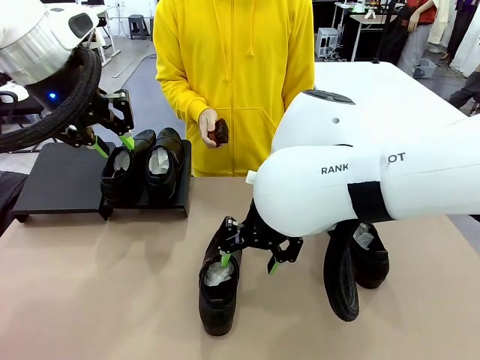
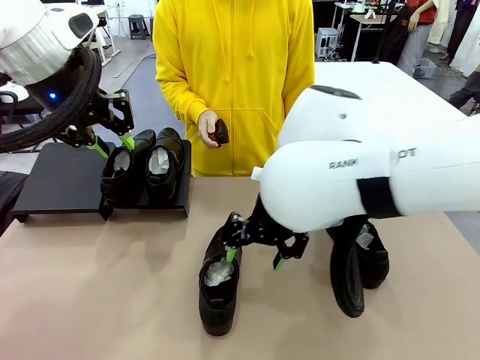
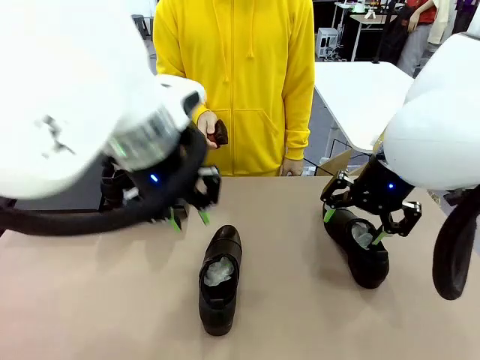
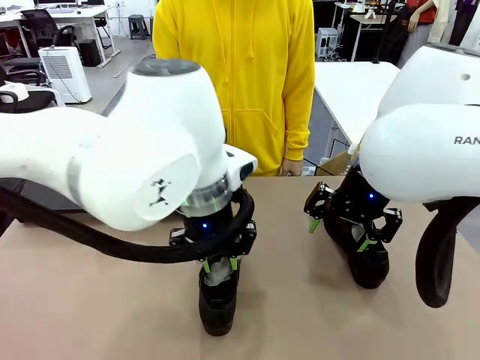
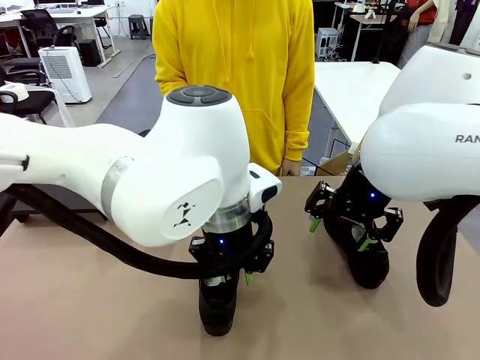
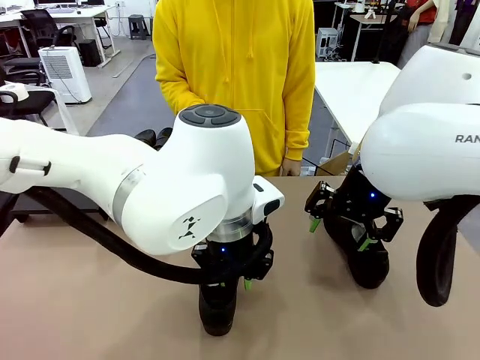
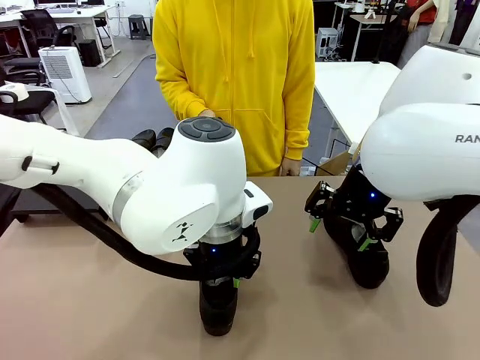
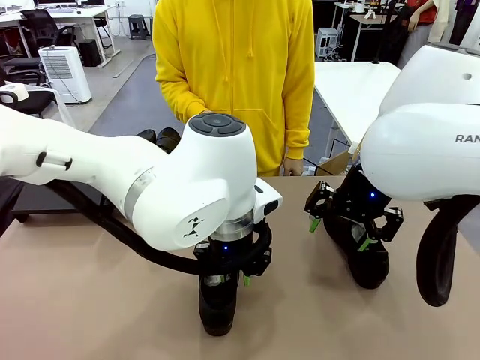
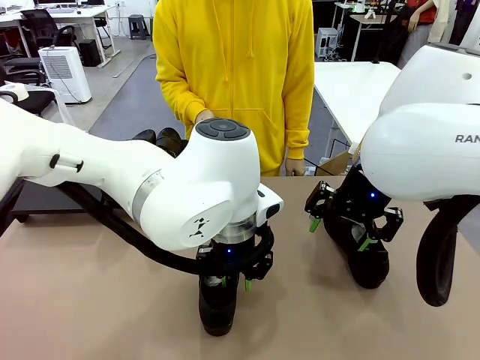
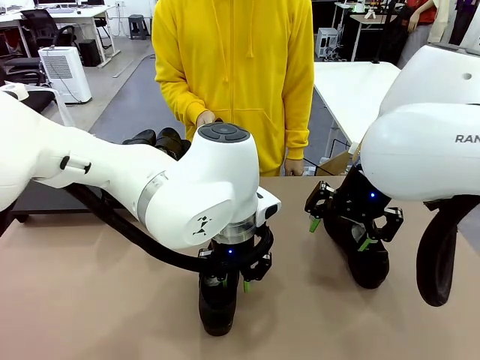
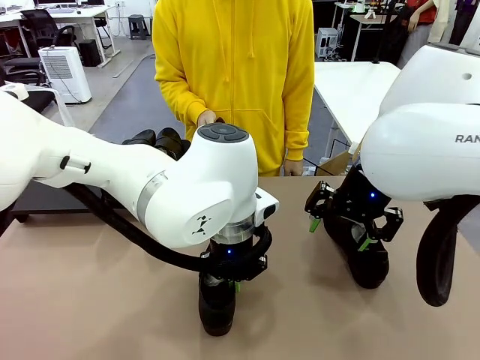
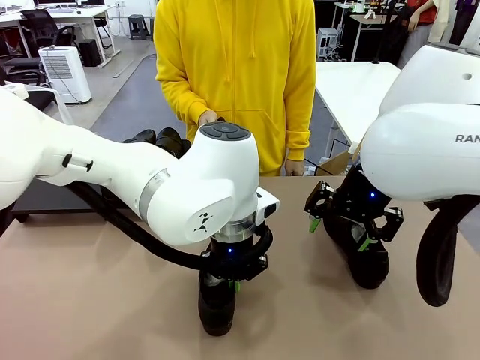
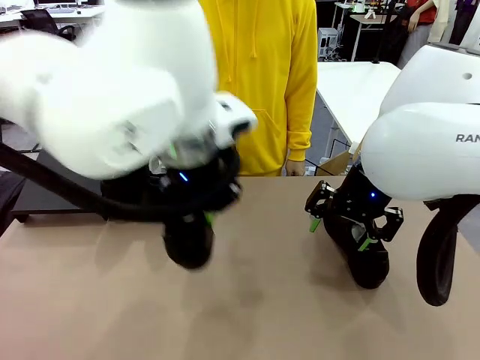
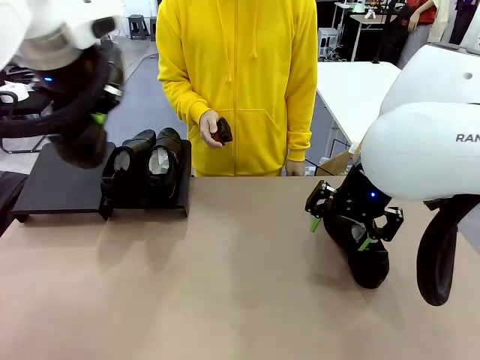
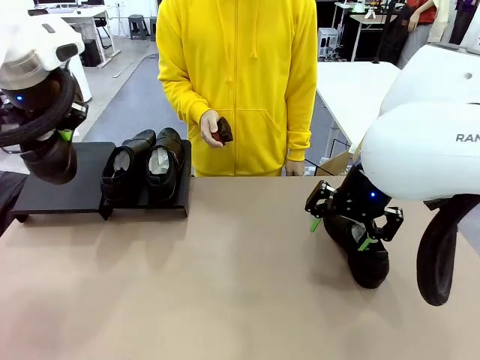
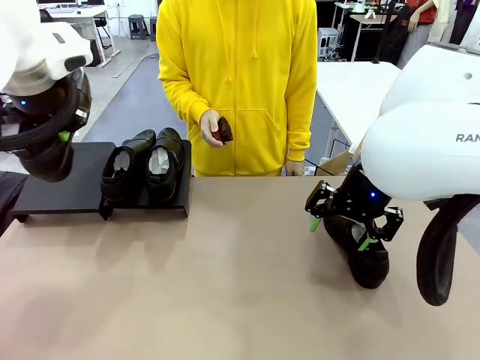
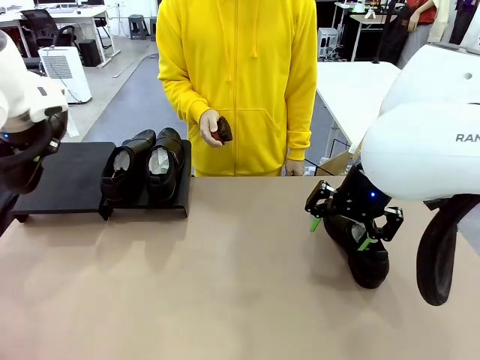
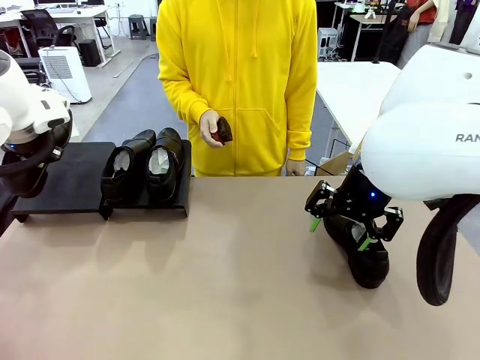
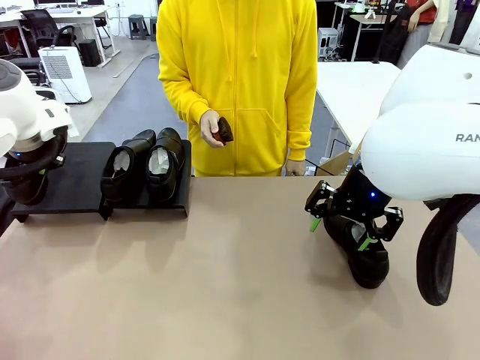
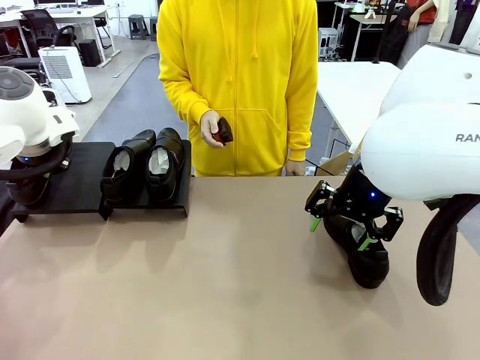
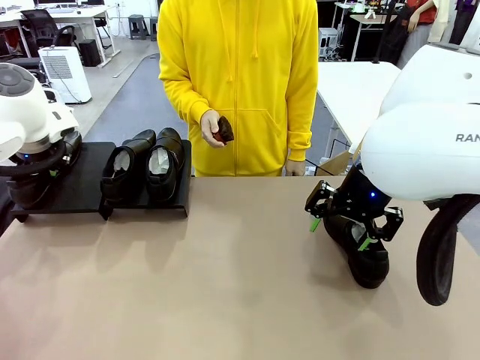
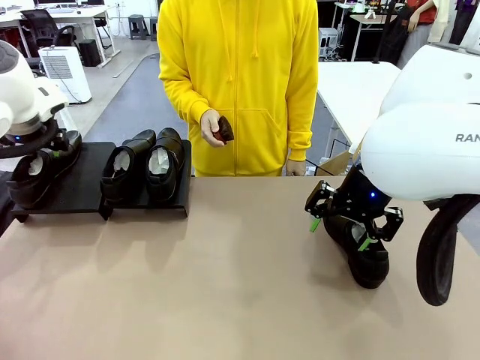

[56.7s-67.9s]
Task: Organize the shoes by placing them on the stand.
Robot: Place the Shoe from the middle of the table onto the Shoes Stand.

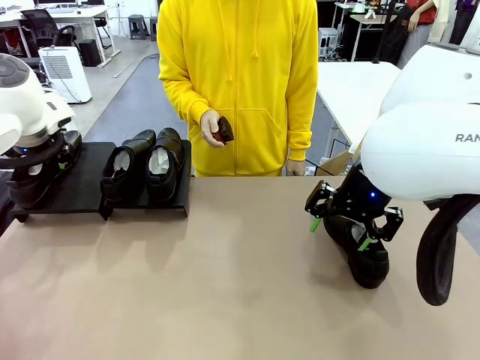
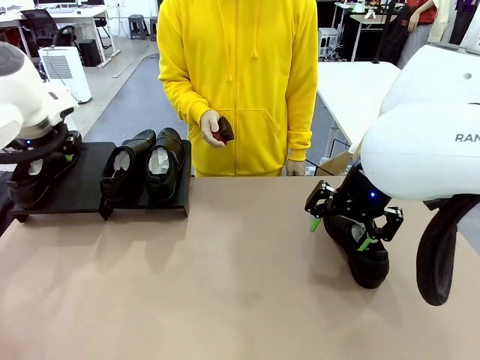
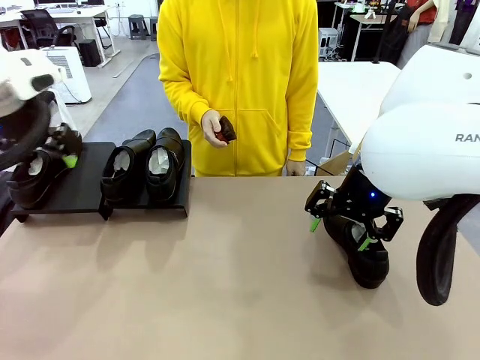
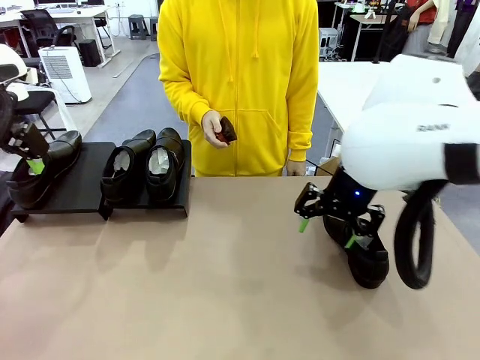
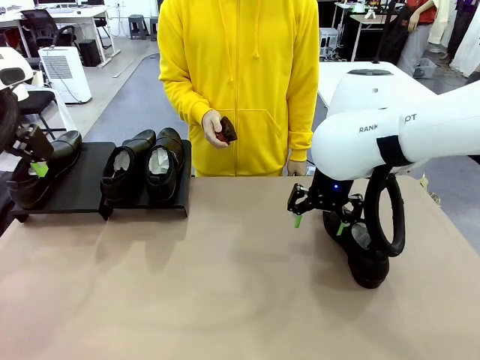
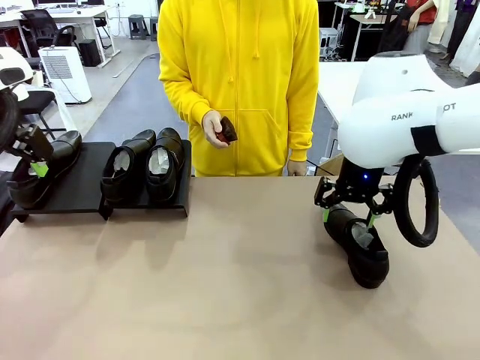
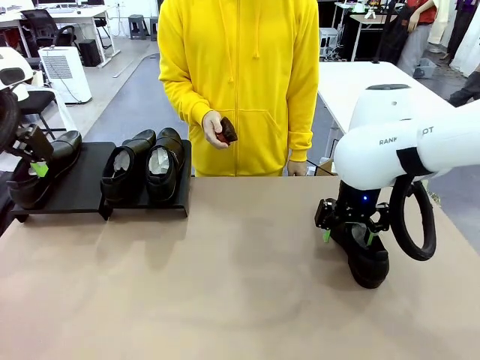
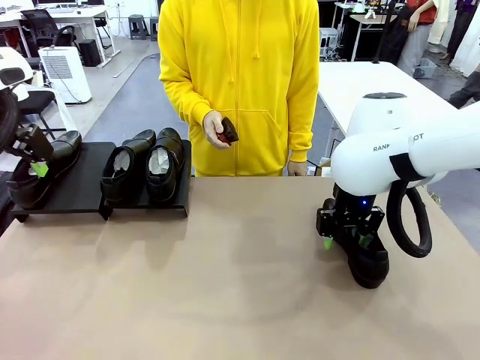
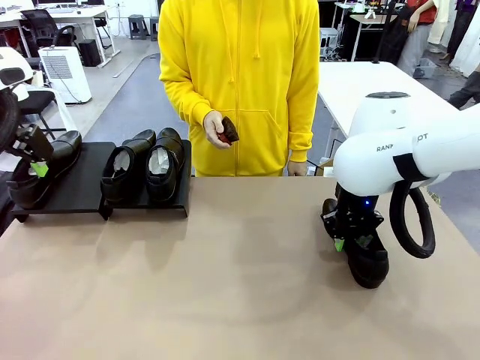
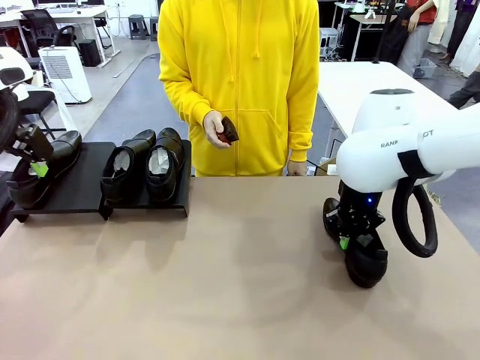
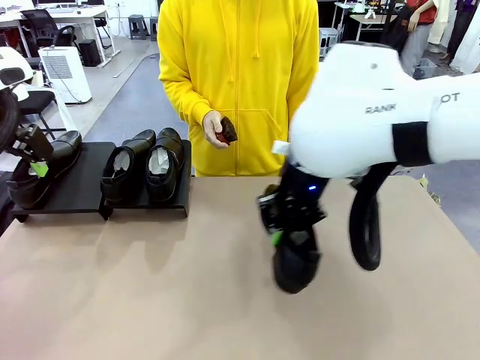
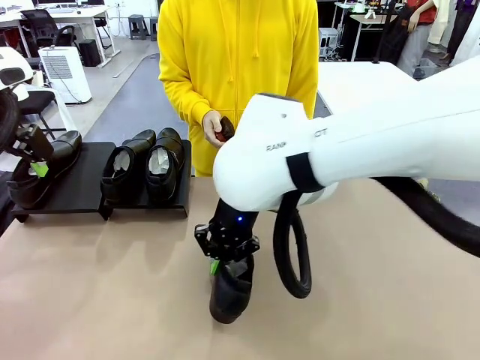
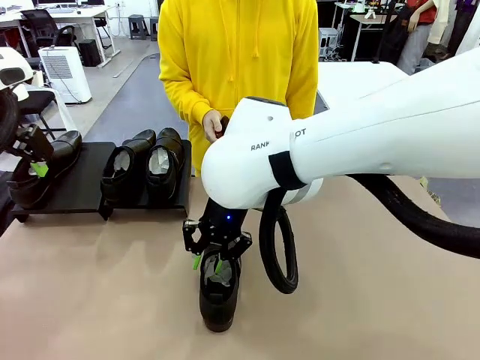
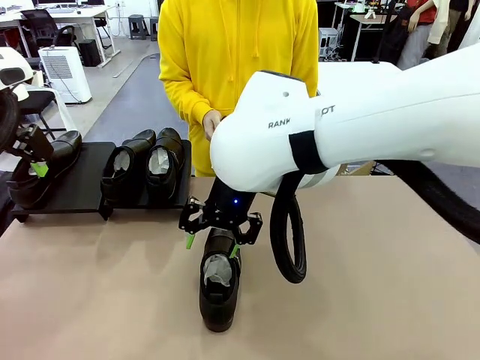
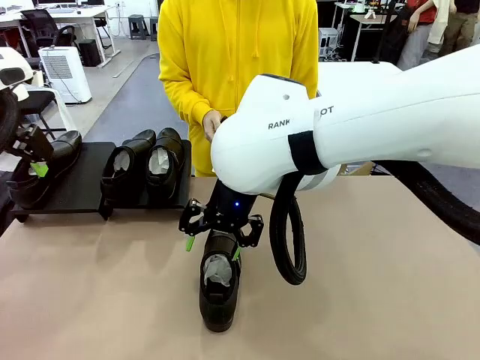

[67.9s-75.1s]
Robot: Pick up one Shoe and place it in the middle of the table.

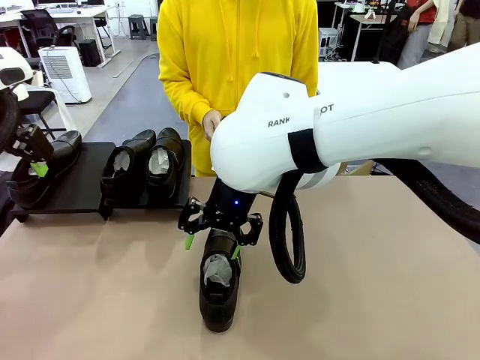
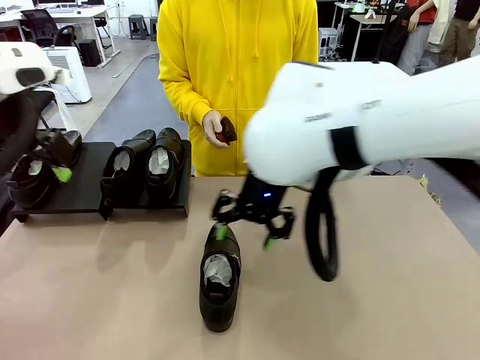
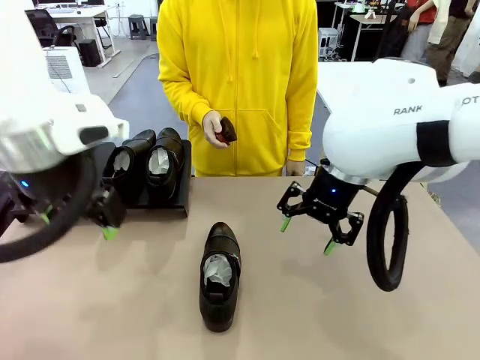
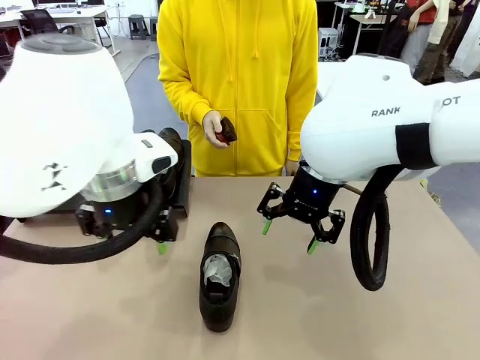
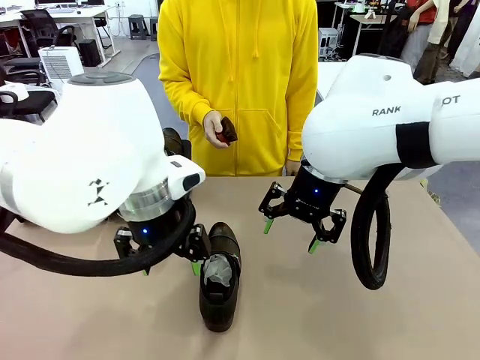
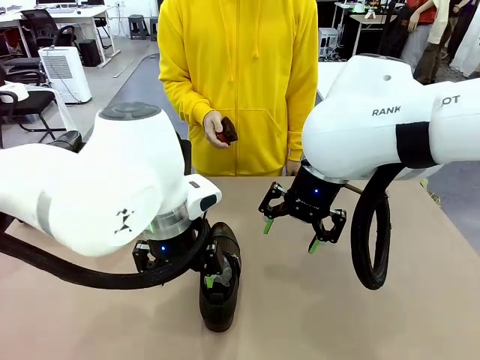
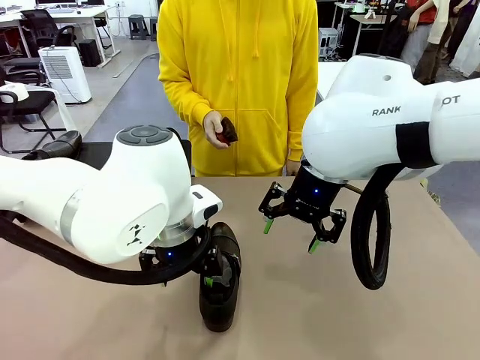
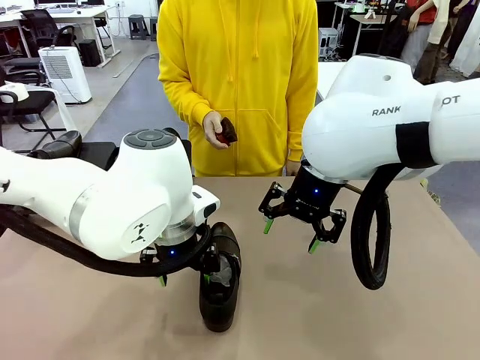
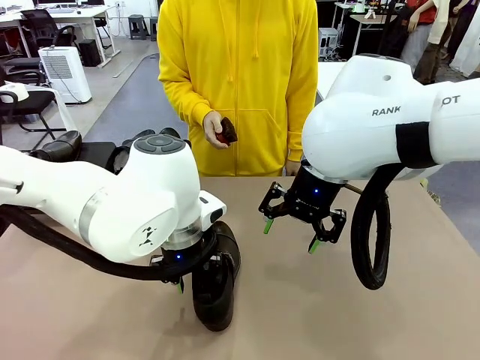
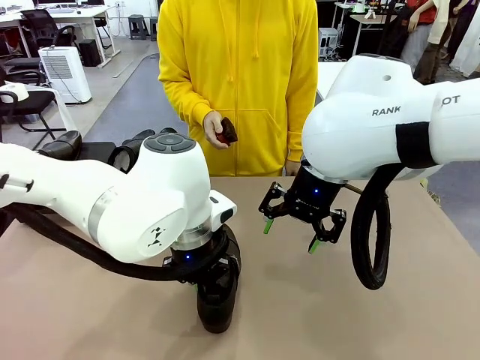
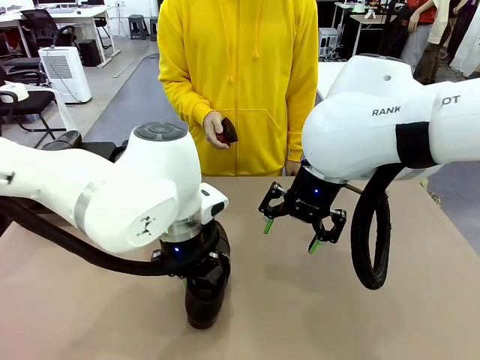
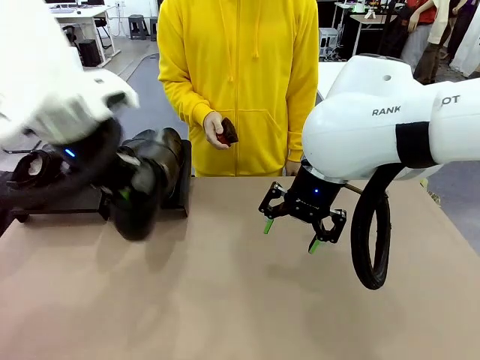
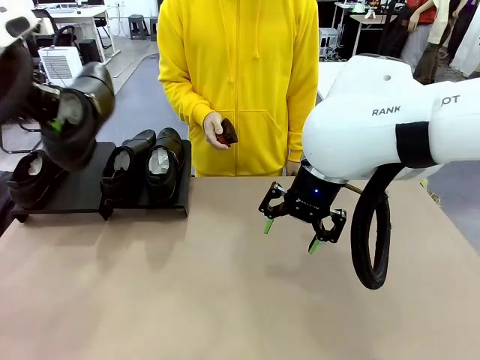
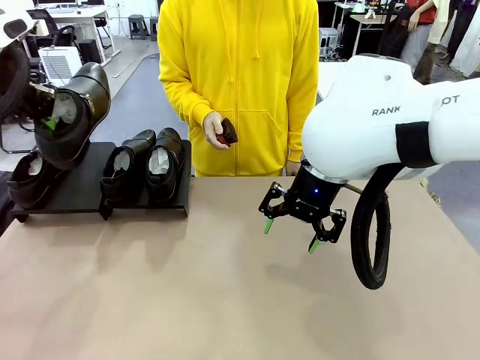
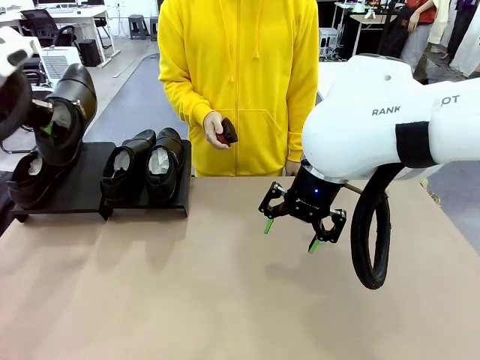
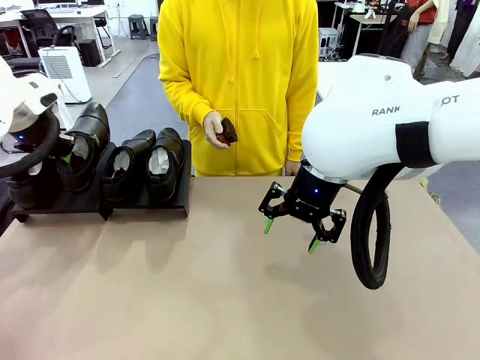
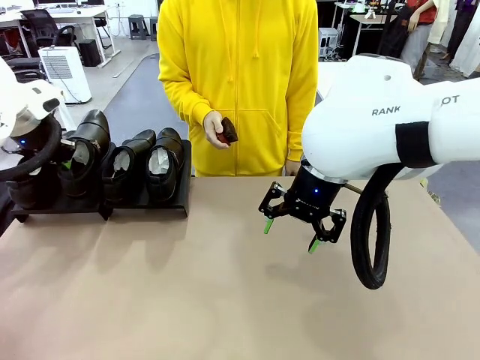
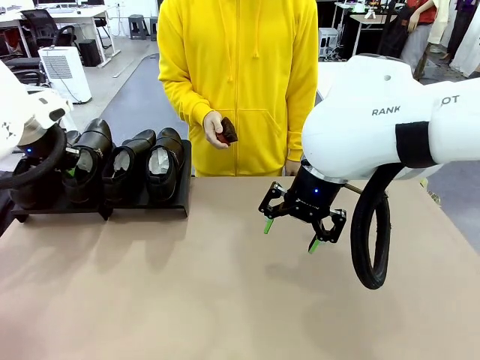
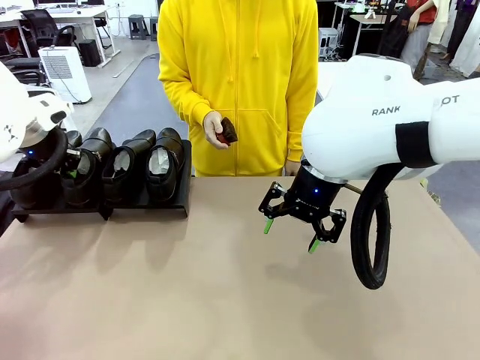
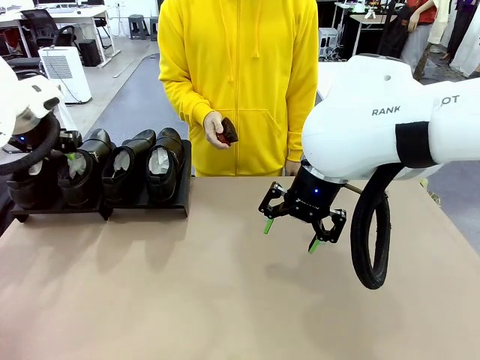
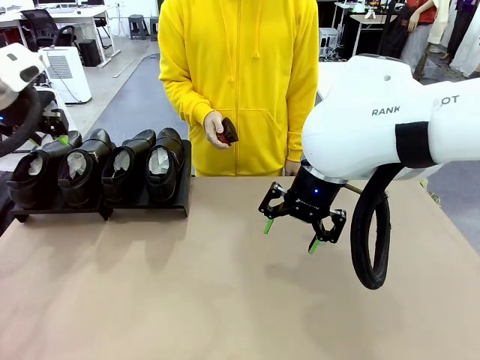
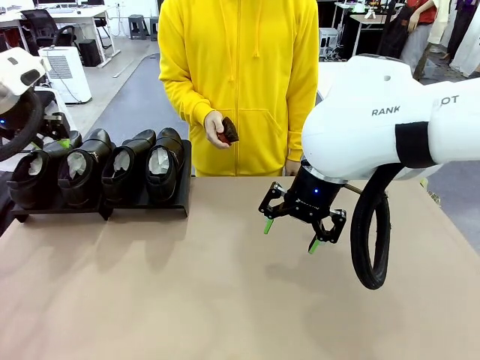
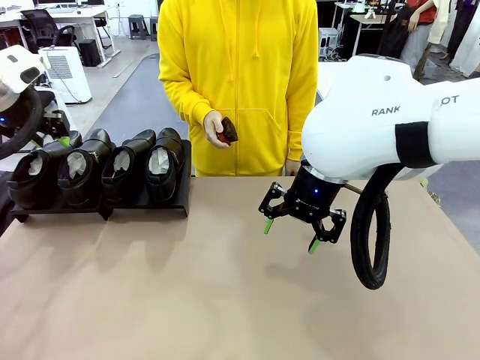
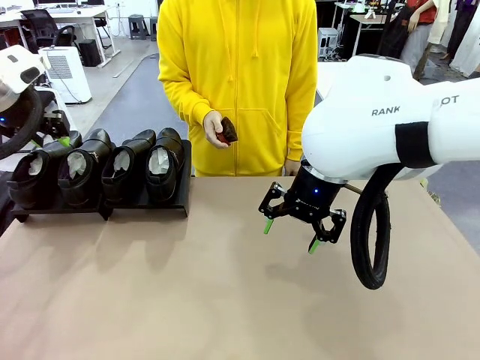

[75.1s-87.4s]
Robot: Place the Shoe from the middle of the table onto the Shoes Stand.
